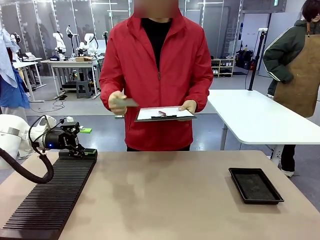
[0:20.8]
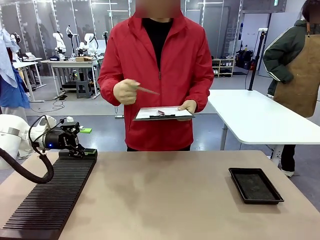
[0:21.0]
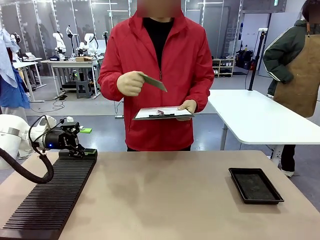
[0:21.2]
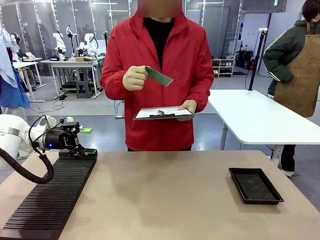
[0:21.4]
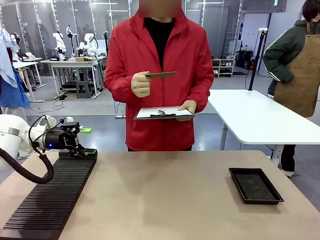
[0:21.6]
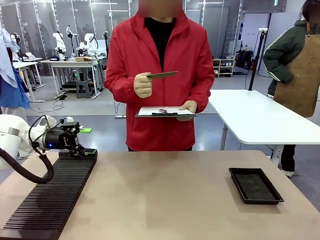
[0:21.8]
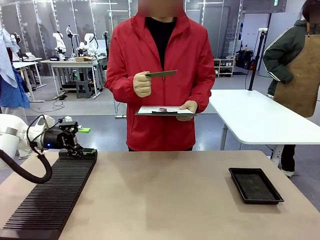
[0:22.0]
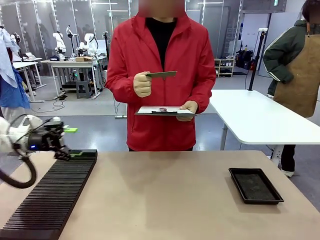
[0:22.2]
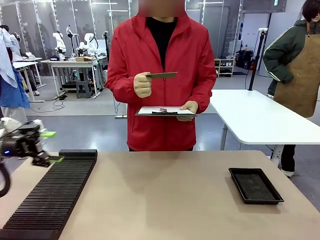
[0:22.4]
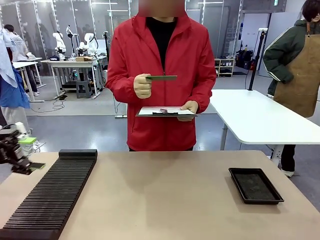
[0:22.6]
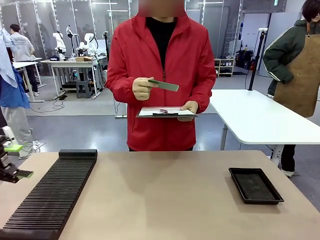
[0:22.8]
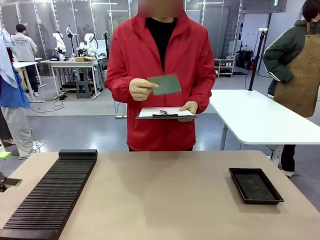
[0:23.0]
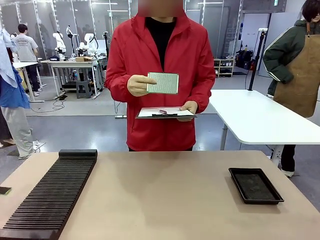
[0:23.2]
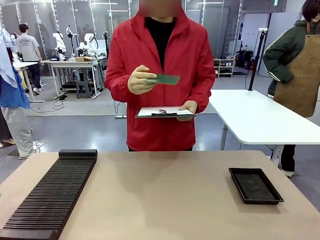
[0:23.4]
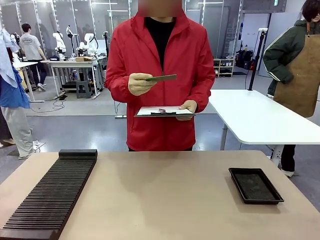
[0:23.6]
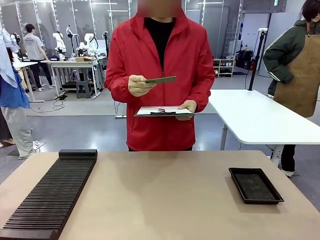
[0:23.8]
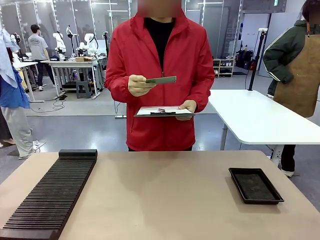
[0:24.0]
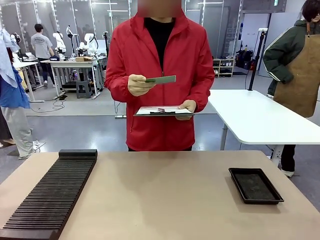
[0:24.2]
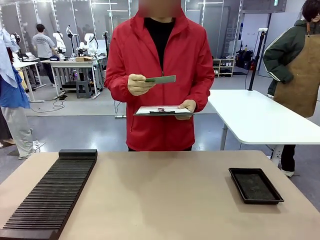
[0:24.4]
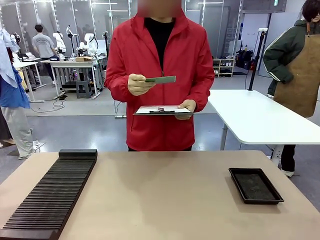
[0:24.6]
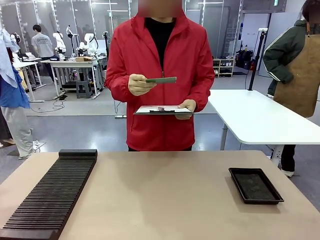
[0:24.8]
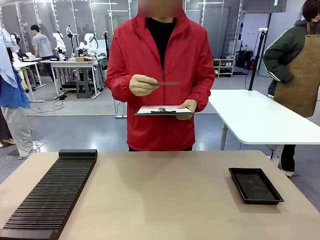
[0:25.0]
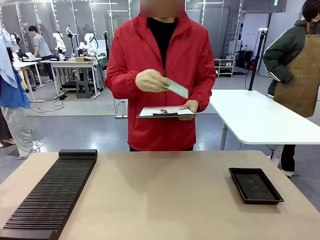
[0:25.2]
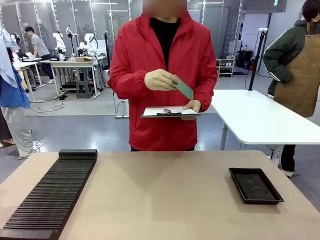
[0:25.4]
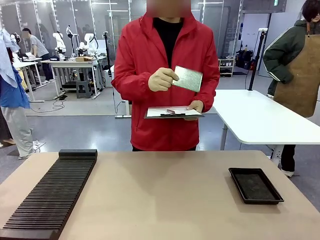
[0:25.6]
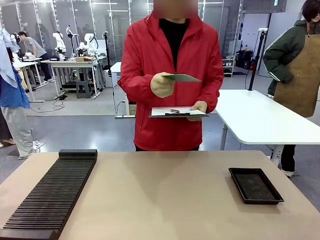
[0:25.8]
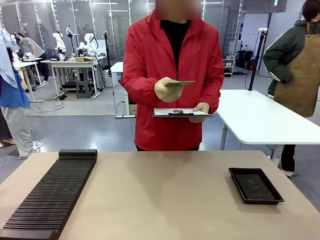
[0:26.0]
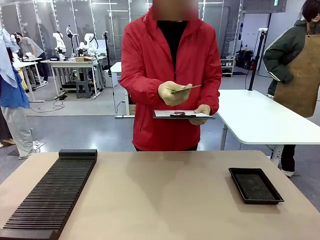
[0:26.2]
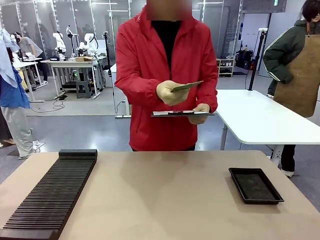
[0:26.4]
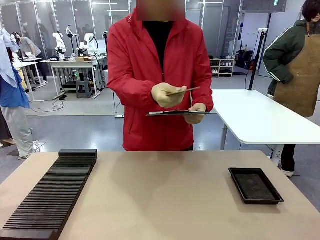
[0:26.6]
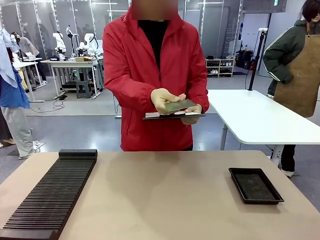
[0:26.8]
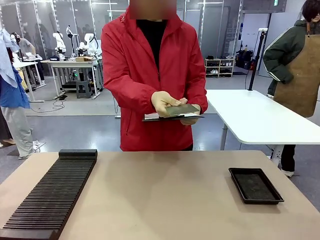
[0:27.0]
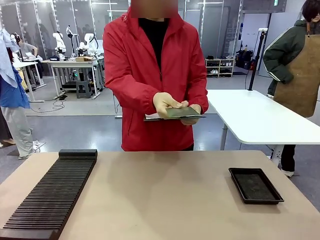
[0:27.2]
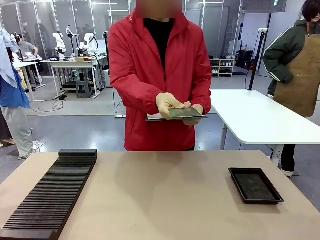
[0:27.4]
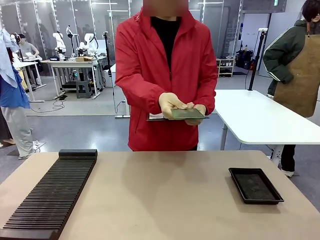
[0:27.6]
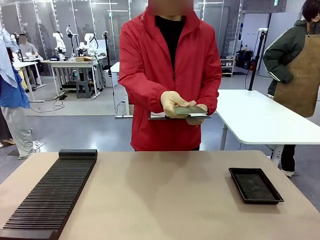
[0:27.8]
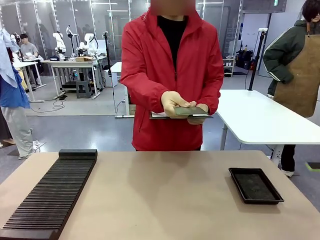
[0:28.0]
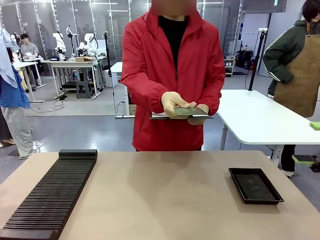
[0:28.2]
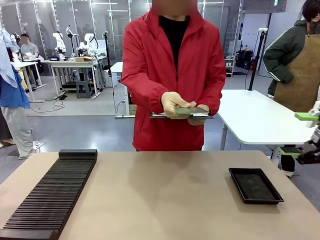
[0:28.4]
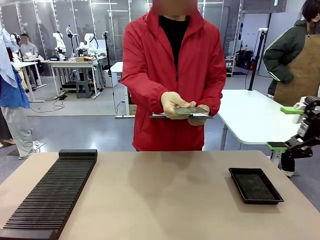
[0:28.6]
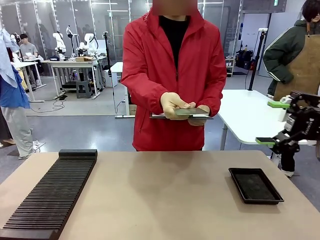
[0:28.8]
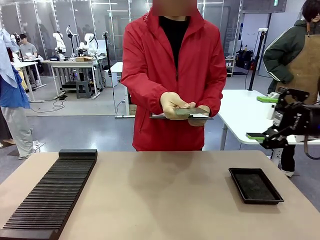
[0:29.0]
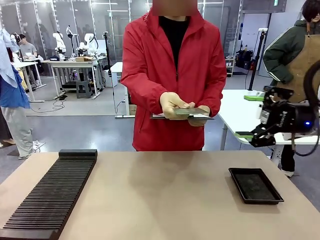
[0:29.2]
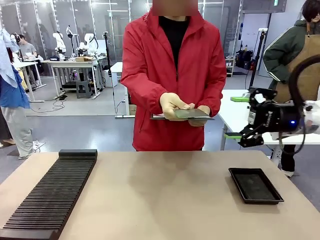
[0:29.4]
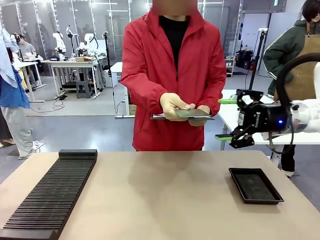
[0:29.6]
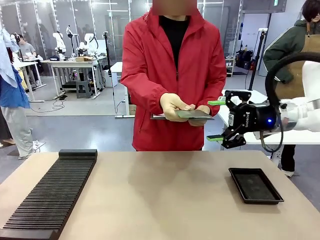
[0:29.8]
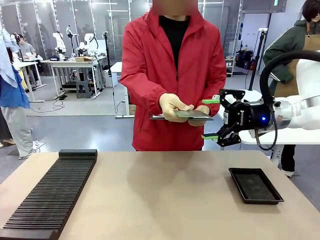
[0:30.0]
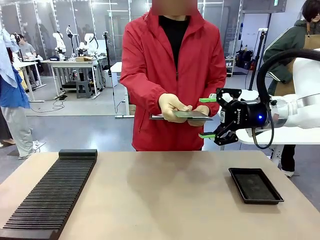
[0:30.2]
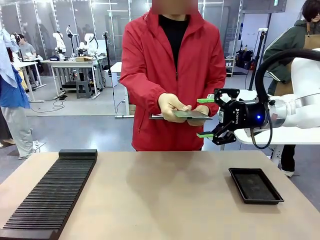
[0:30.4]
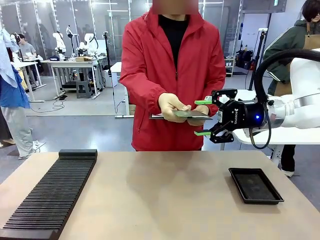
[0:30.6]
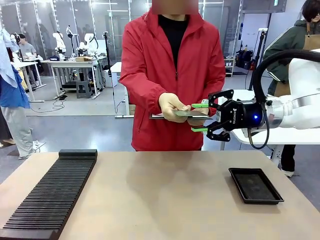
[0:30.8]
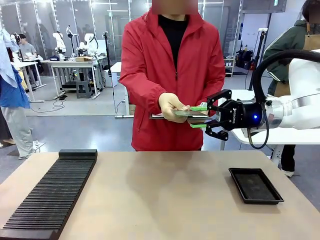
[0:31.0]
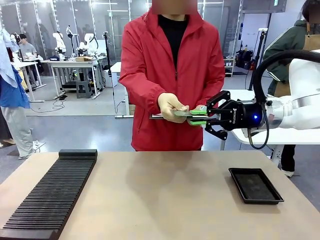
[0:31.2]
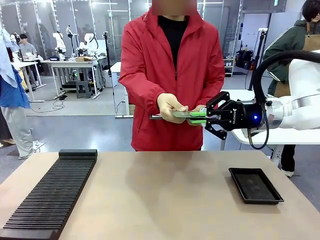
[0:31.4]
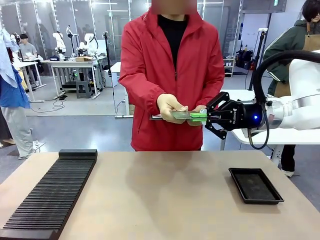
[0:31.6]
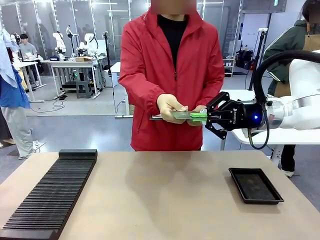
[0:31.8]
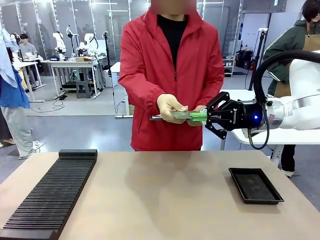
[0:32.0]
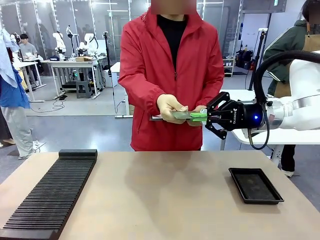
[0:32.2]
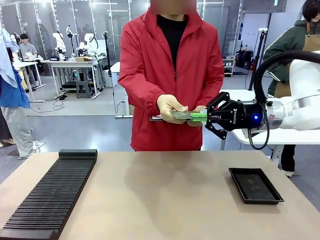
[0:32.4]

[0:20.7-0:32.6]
Task: Inspect the PCB.
Robot: Pick up the Blank PCB that the human is holding.
Person: Inspect the PCB placed by the robot, then hold it out in front of the robot. Release the PCB you were holding.

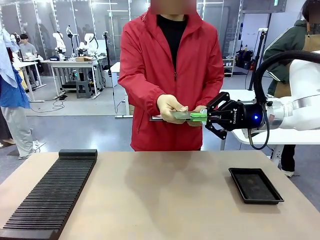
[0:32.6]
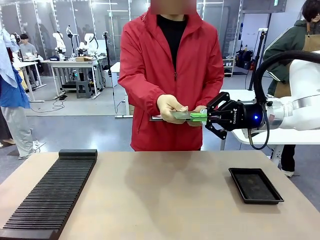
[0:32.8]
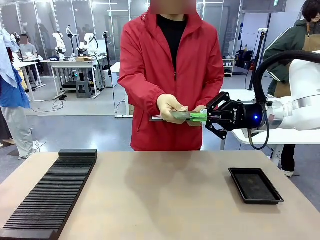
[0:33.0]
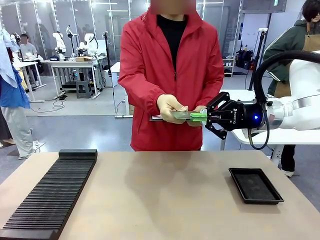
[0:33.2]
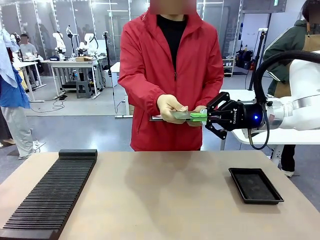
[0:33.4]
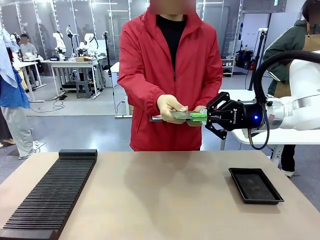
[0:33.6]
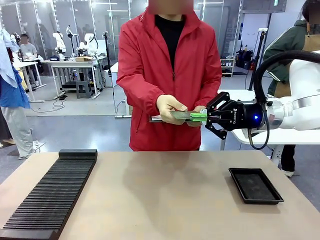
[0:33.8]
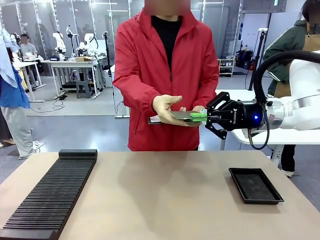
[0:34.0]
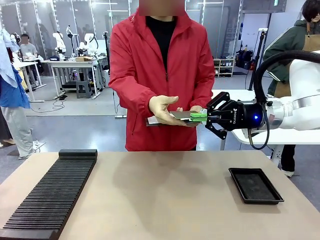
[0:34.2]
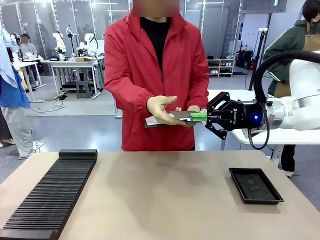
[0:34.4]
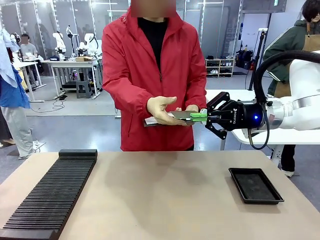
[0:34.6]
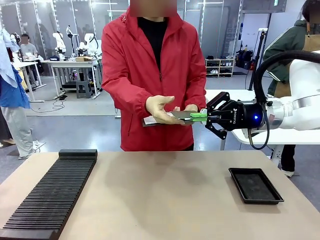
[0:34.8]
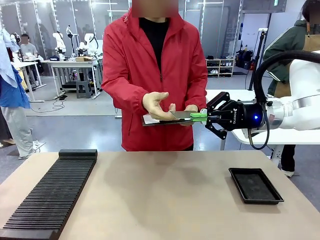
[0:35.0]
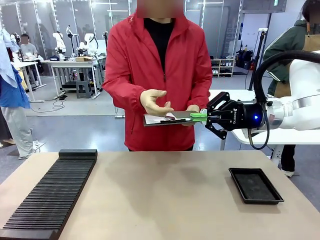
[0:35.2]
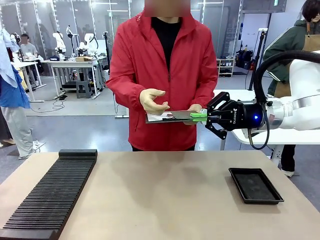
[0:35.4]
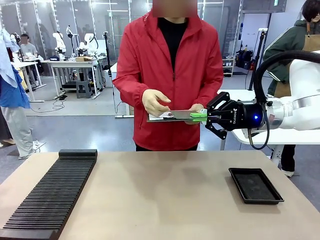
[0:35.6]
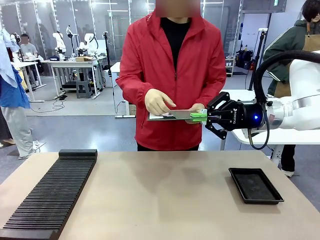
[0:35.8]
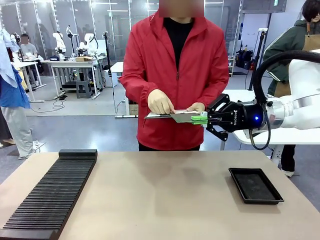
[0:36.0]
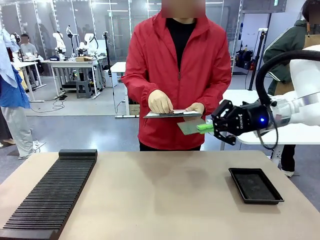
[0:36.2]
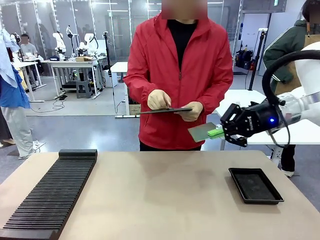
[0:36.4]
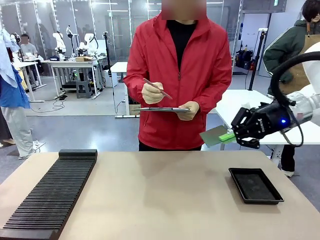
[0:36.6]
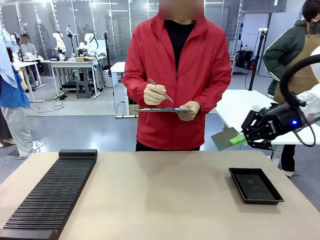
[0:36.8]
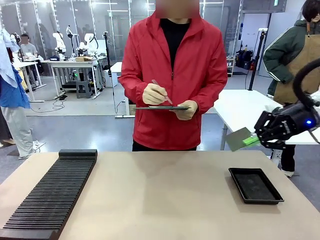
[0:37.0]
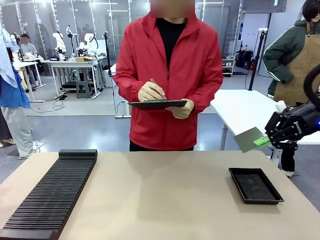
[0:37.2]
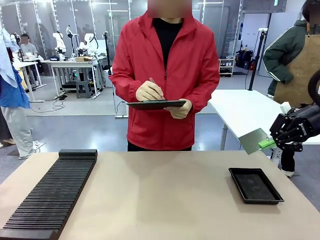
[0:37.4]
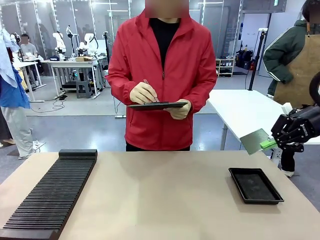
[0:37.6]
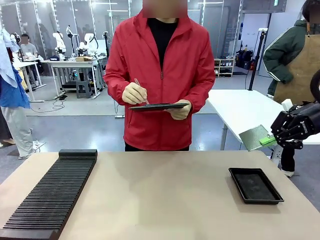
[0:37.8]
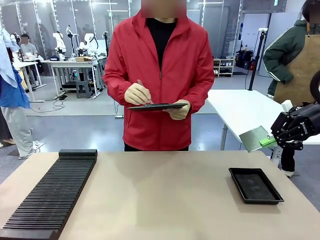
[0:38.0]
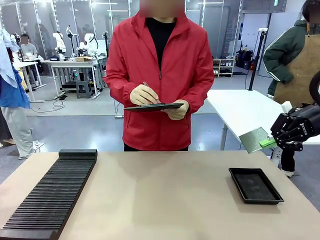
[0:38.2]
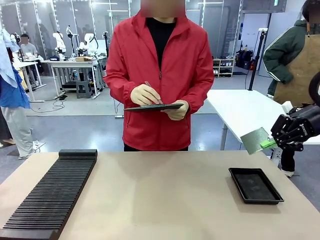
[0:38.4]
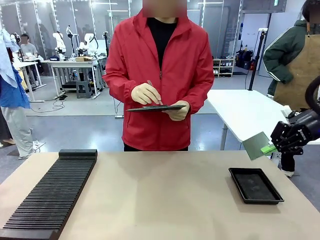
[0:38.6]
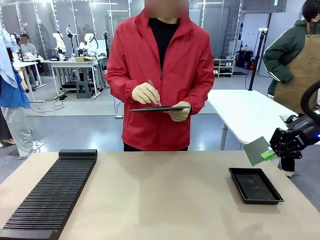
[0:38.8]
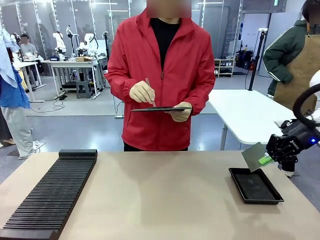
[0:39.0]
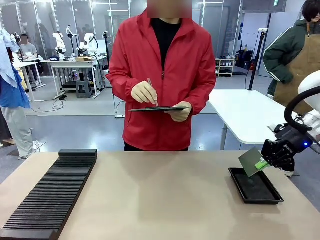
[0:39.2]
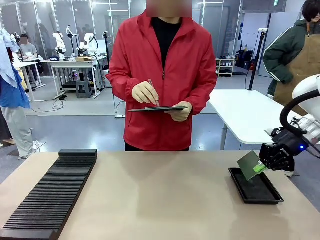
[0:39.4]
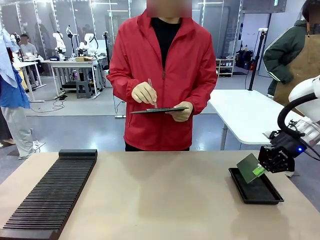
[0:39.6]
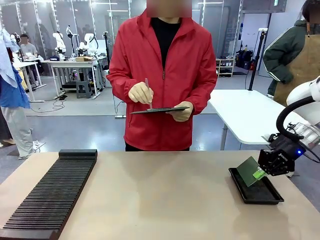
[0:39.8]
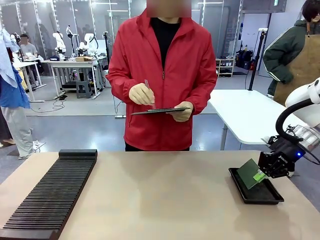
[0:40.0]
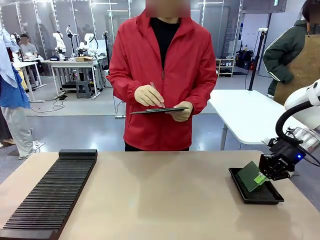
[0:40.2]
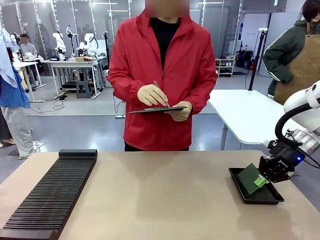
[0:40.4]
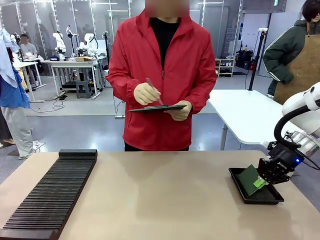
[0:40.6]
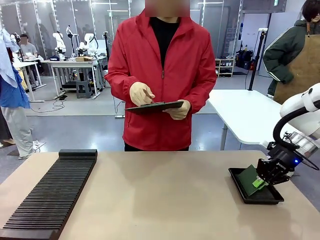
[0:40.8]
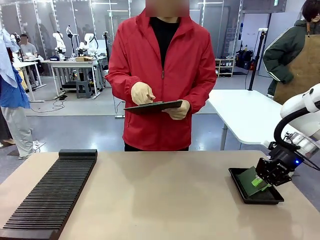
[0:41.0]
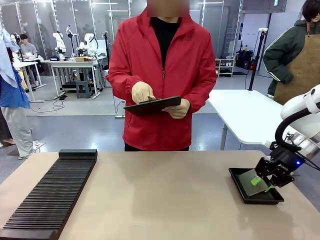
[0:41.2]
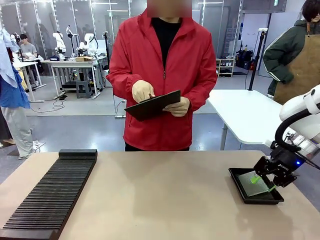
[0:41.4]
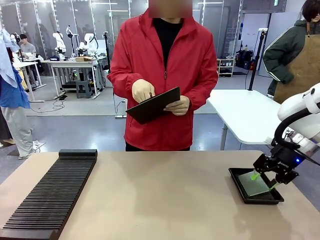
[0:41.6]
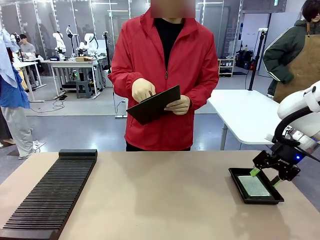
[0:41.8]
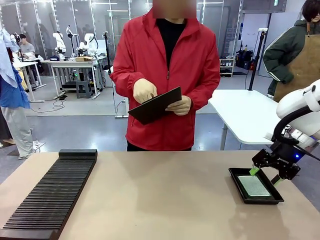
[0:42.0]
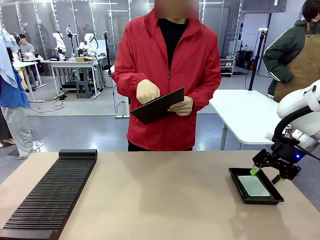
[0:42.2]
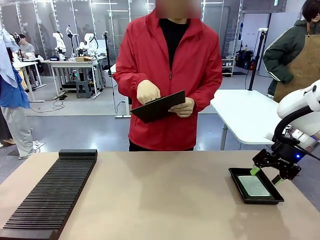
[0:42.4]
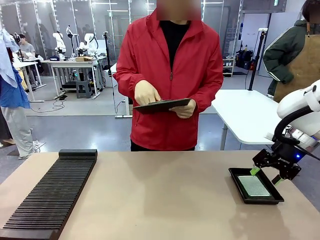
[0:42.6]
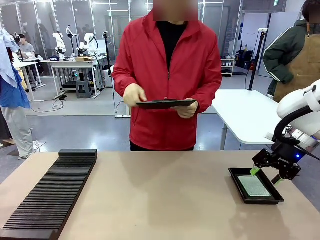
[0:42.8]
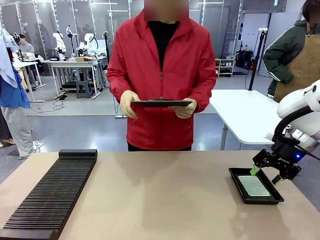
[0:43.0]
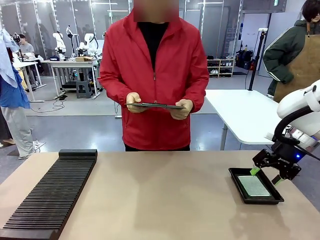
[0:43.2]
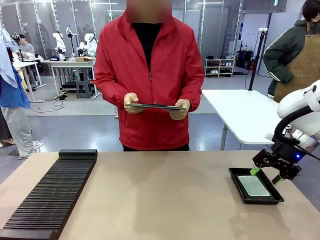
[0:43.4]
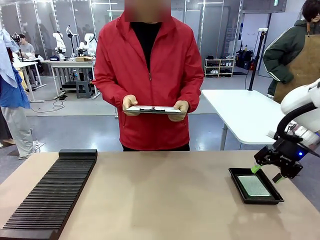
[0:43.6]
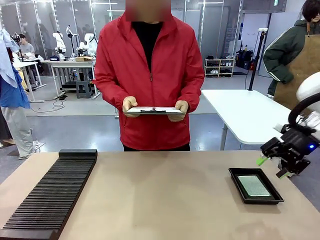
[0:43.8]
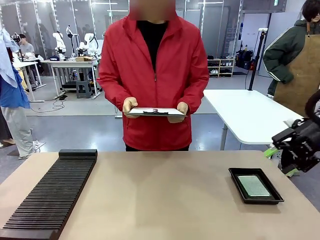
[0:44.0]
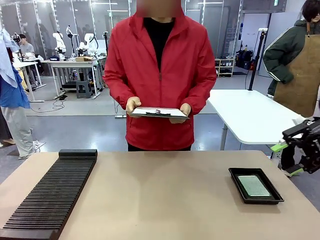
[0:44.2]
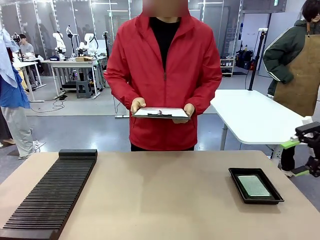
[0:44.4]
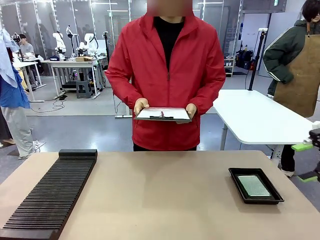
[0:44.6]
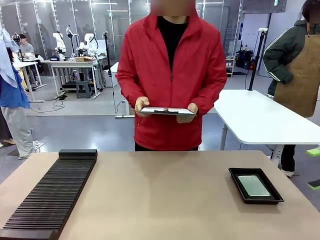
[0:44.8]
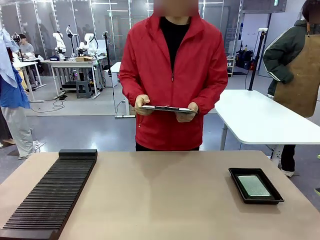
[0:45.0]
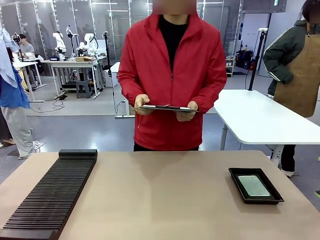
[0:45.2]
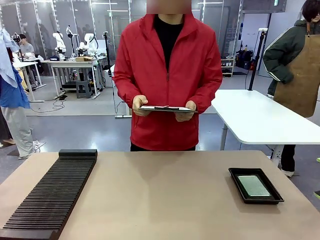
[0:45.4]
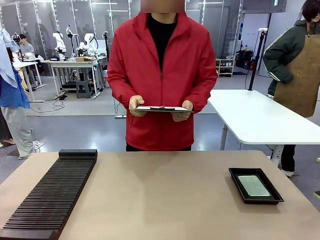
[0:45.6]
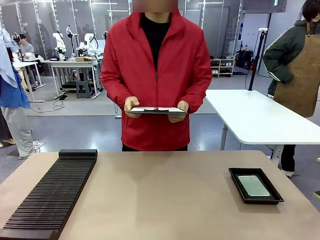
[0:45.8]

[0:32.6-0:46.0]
Robot: Place the Blank PCB in the ESD tray.
Person: Record the PCB status on the paper.
